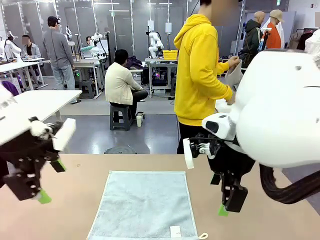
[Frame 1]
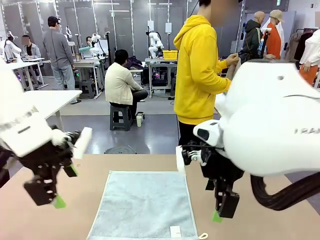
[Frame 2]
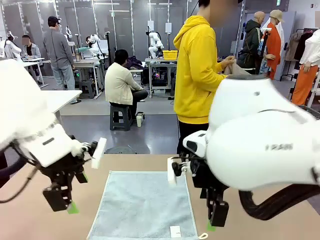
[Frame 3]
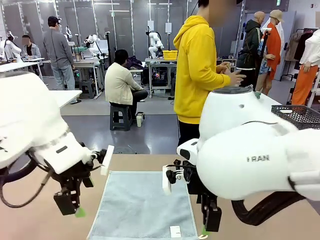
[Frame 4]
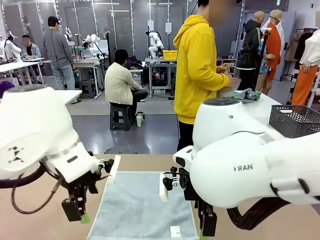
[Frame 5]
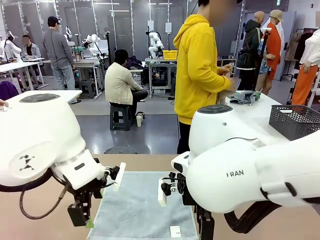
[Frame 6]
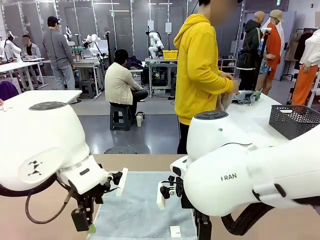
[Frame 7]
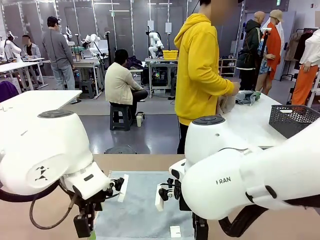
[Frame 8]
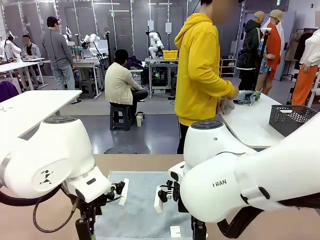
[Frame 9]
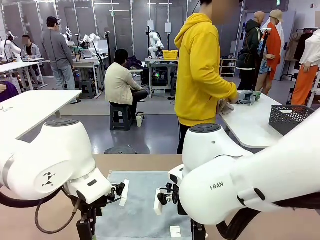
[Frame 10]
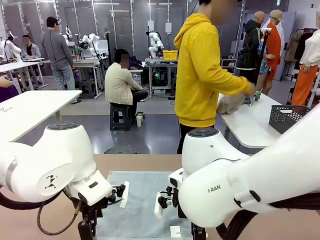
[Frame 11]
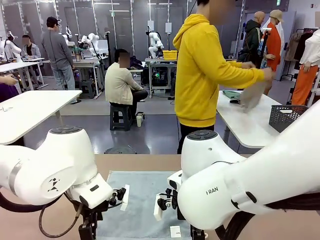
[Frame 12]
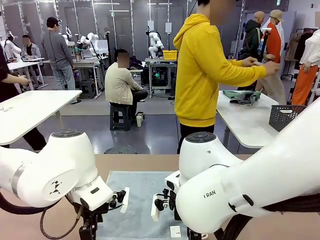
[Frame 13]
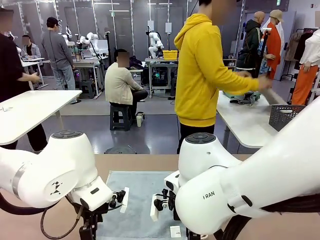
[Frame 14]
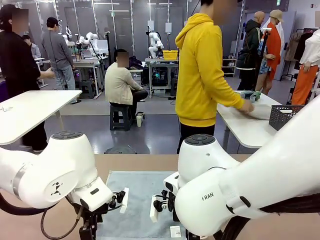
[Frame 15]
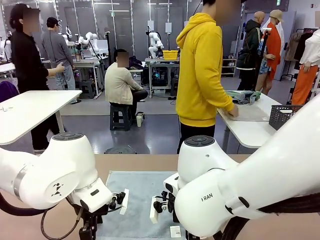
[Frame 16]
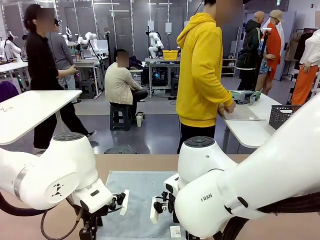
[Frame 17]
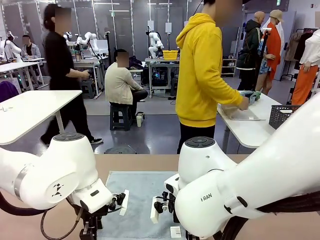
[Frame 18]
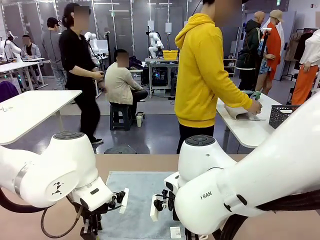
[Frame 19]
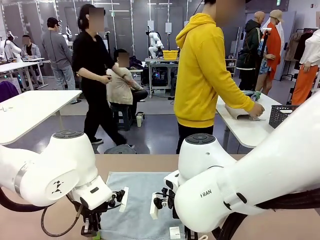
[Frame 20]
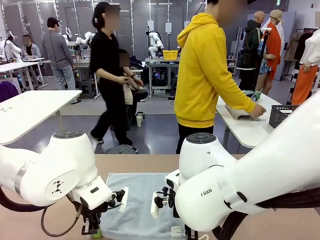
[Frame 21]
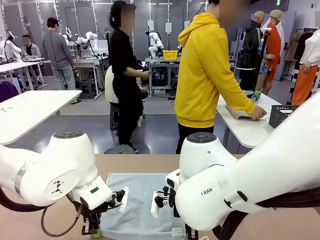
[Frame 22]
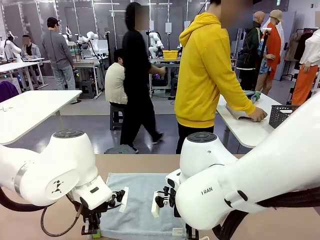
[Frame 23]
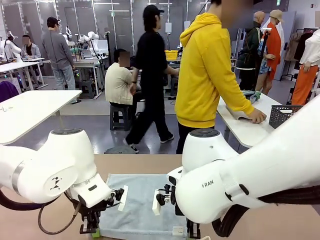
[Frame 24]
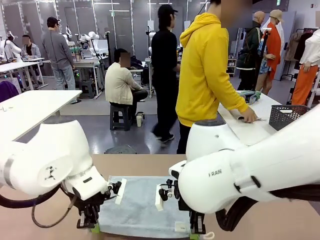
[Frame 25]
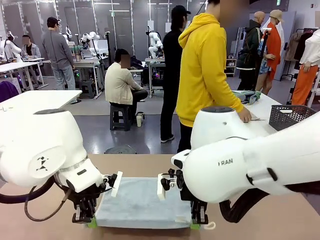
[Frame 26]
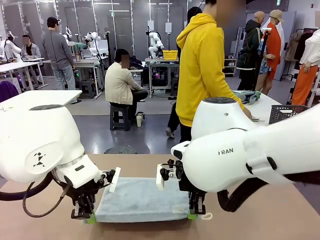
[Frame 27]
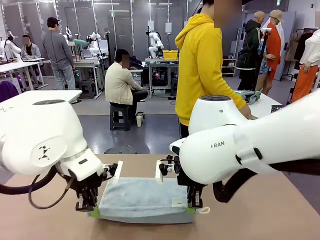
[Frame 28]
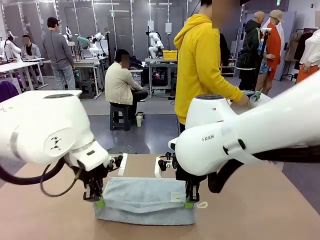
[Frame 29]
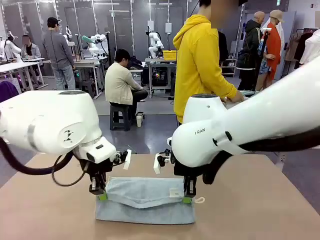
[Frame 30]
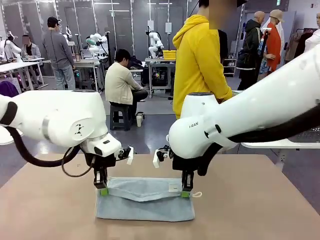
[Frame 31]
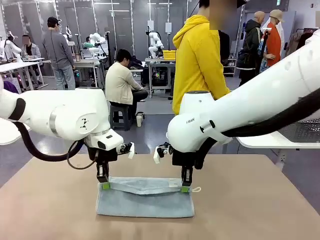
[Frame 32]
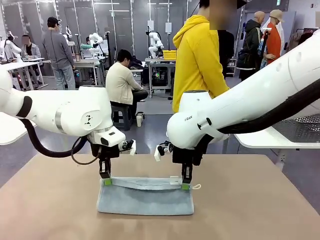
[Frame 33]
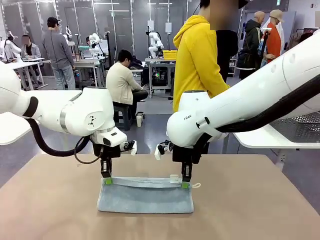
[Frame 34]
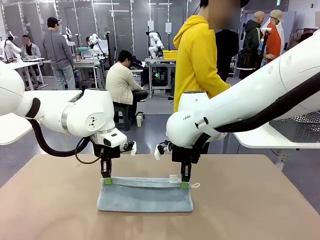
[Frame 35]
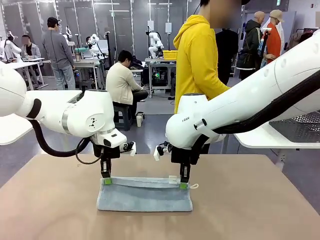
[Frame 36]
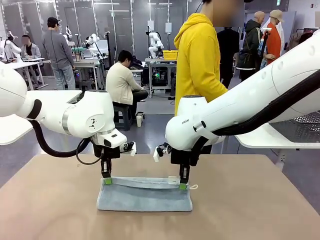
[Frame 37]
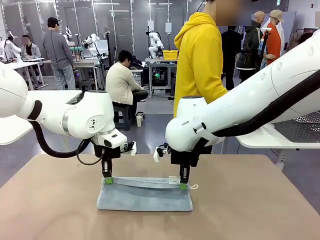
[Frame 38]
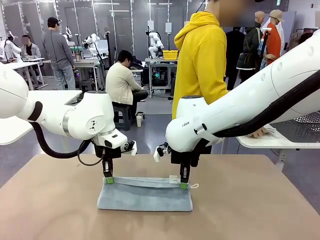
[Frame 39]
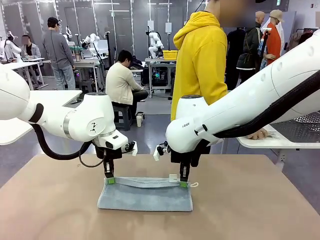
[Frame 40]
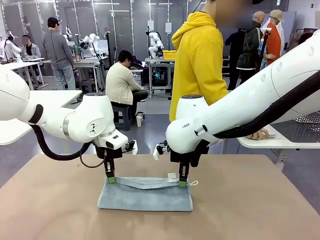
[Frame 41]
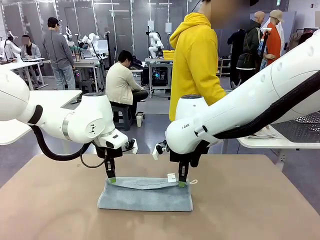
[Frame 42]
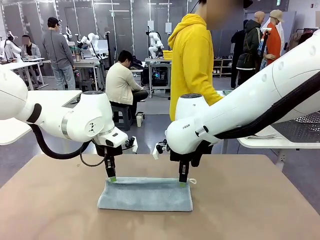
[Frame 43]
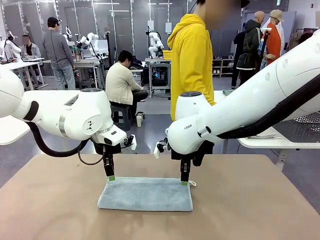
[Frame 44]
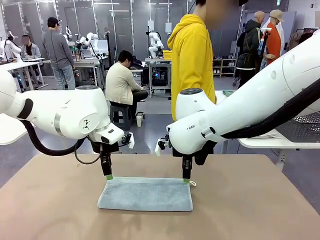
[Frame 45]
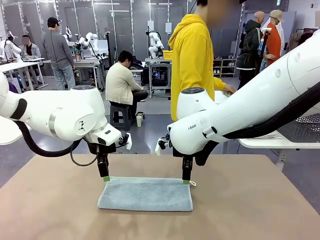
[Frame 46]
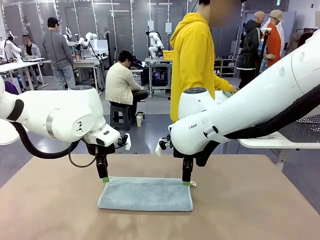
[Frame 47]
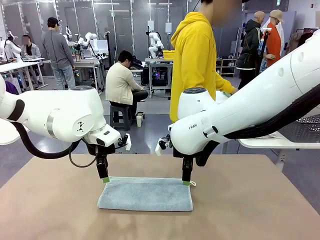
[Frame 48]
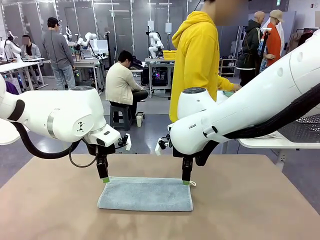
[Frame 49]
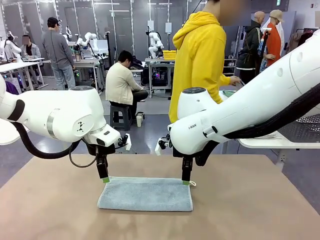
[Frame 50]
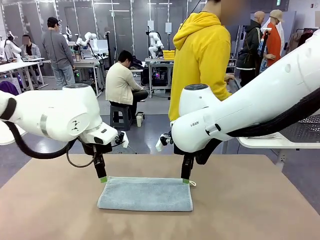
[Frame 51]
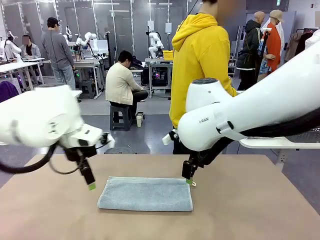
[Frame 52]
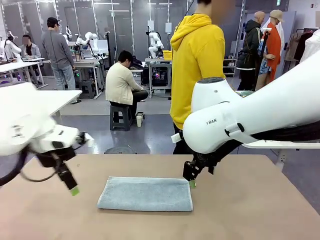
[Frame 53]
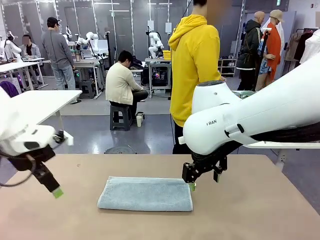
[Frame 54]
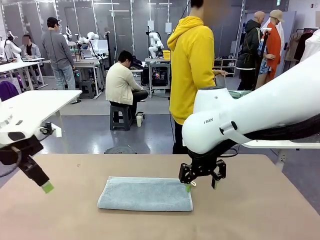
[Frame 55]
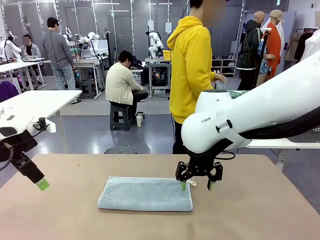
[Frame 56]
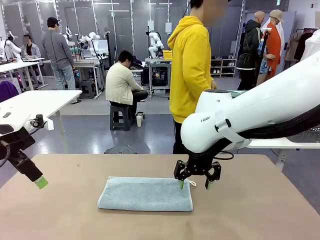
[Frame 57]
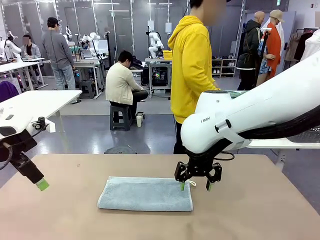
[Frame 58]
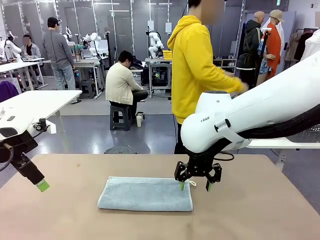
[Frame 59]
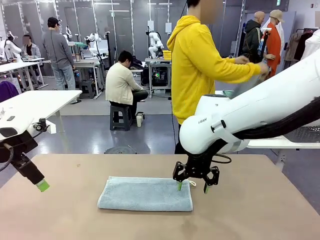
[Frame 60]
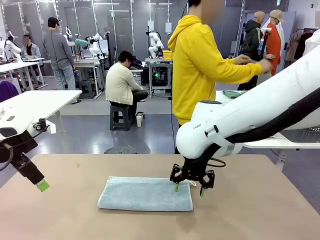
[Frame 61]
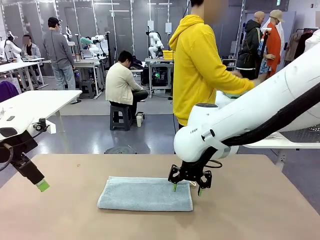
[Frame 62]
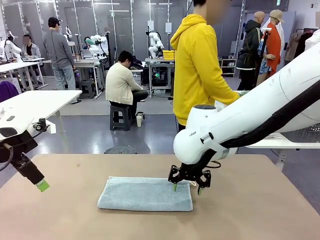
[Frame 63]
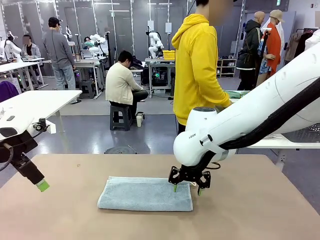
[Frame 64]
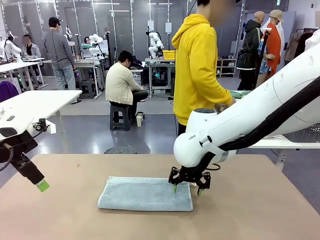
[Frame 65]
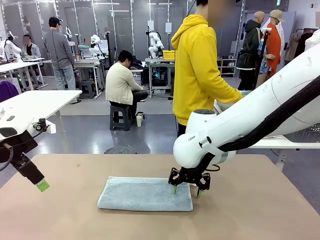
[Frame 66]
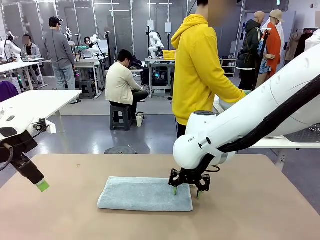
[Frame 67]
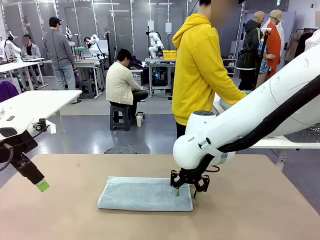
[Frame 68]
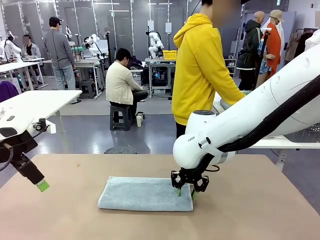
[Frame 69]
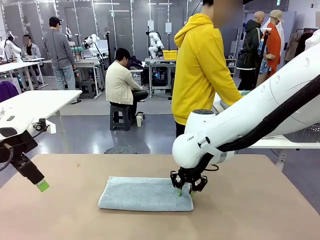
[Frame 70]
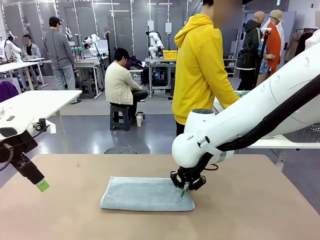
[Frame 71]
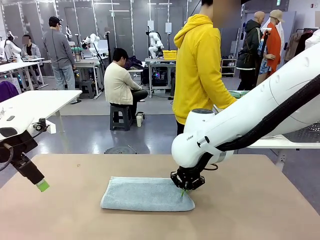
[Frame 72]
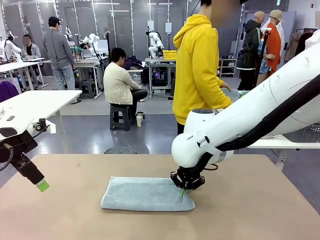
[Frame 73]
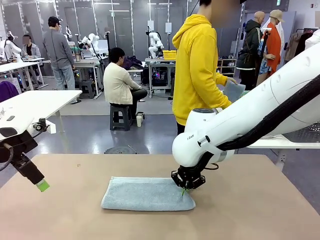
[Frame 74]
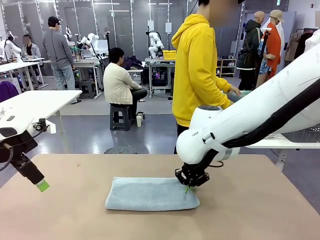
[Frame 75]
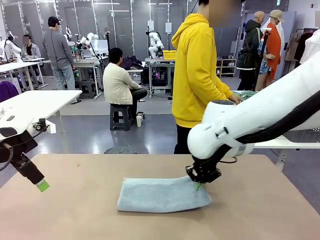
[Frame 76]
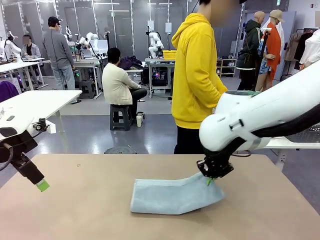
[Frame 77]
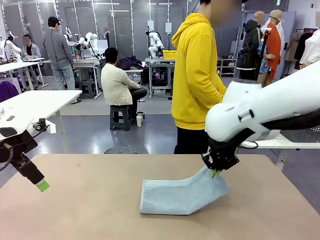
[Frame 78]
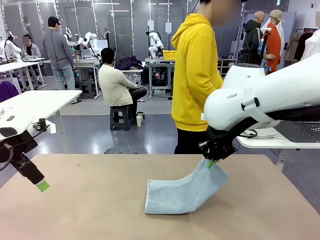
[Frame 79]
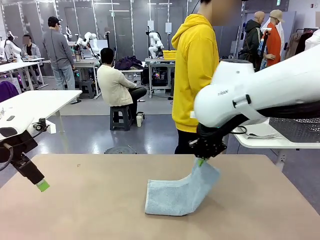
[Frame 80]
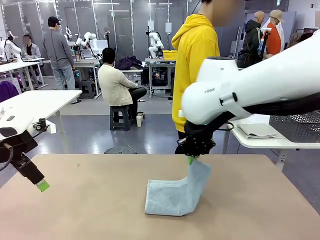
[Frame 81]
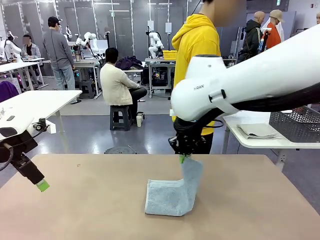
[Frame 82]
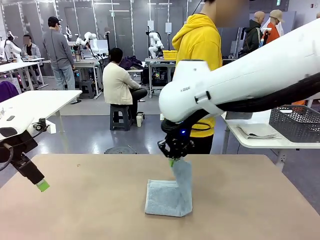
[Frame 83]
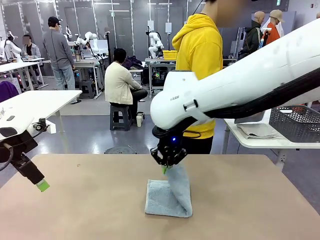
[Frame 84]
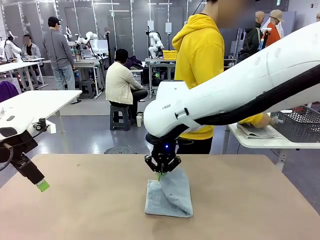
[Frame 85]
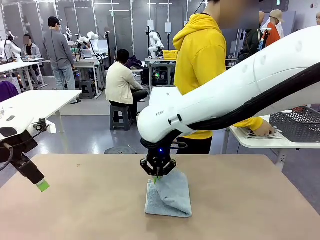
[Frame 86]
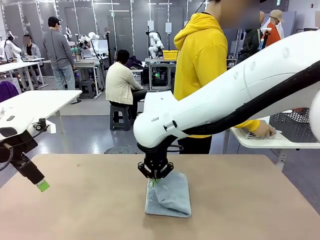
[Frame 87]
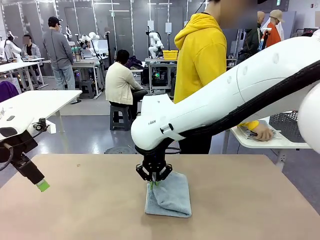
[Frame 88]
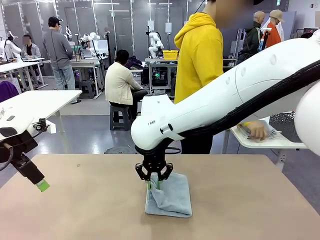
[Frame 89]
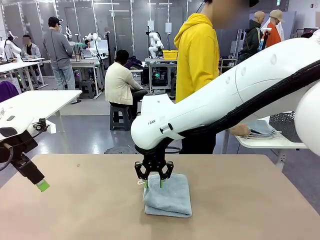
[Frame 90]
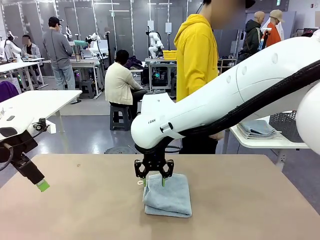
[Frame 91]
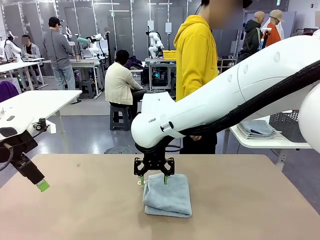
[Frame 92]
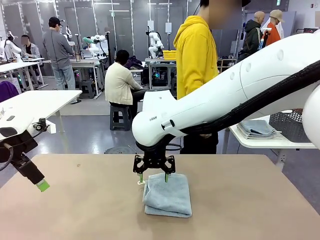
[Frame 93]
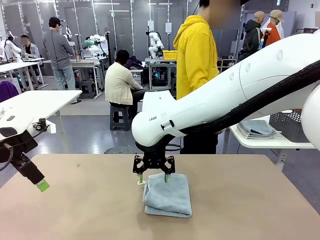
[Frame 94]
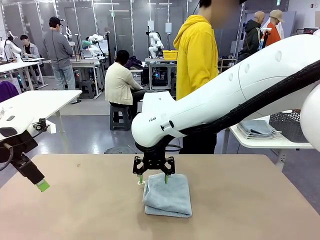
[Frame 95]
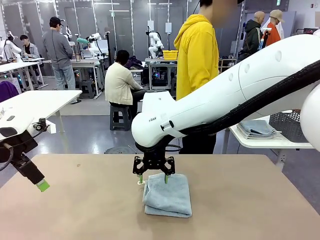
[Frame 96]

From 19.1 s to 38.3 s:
Task: Fold the towels and place them in the basket.
Robot: When a person lays out a Towel with hook on the table, fold it in half twice.
Person: Pick up one towel from the left side of the human table, fold it in half twice, and place it on the right side of the table. Pick up one towel from the left side of the human table, fold it in half twice, and stack it on the right side of the table.
